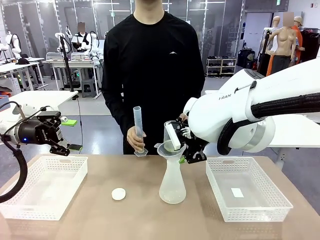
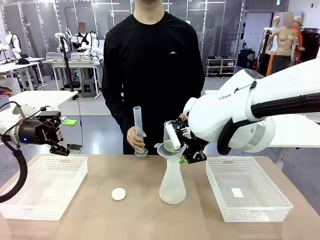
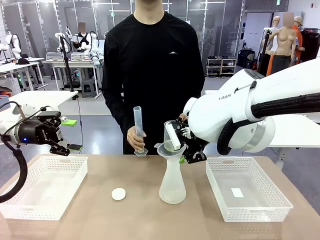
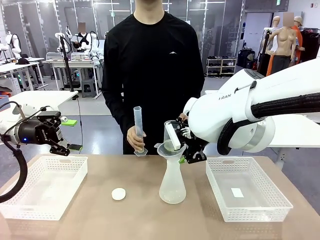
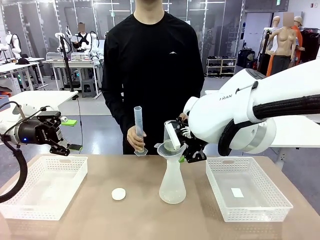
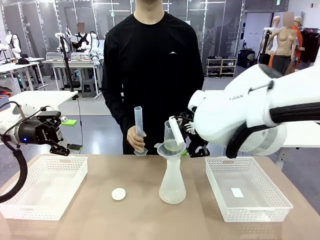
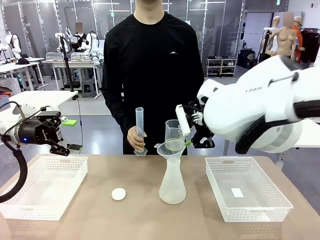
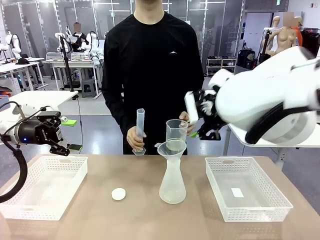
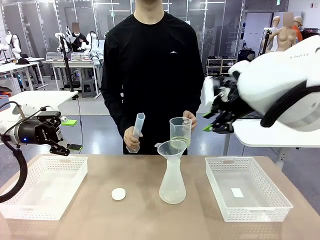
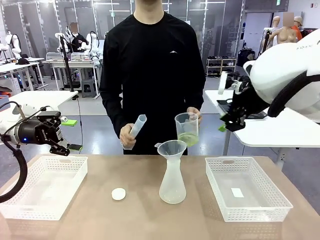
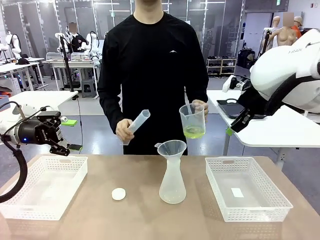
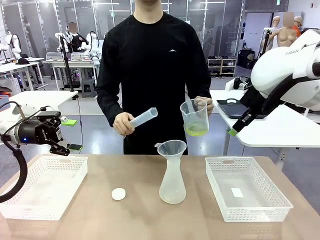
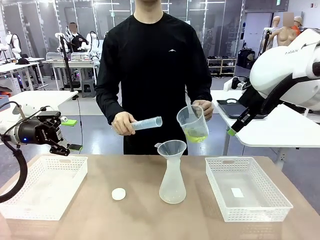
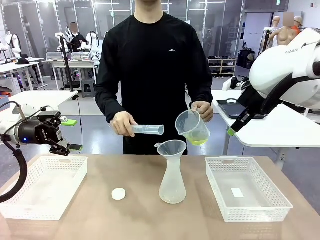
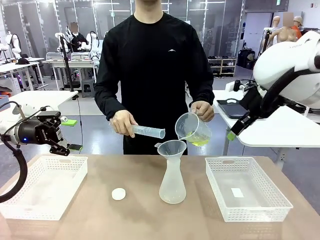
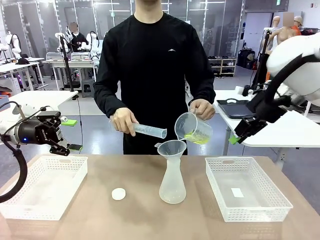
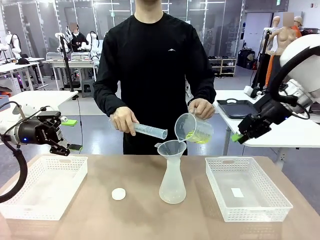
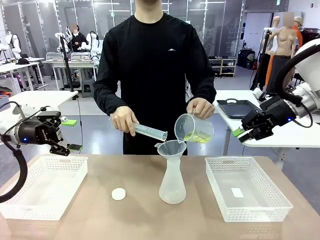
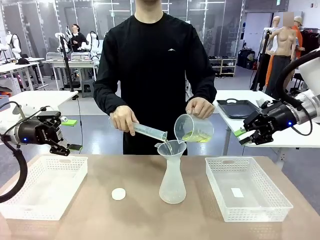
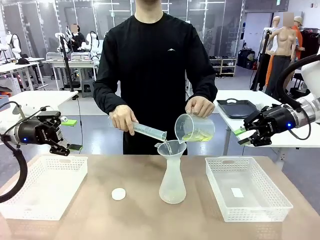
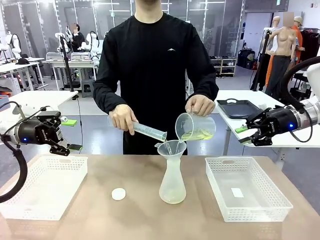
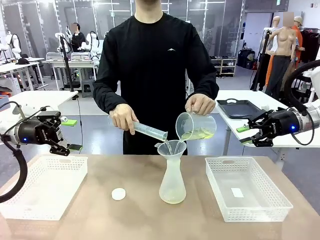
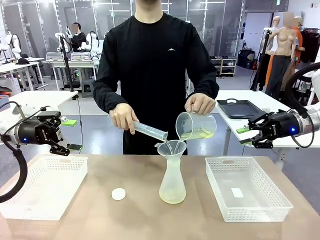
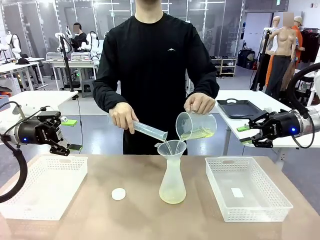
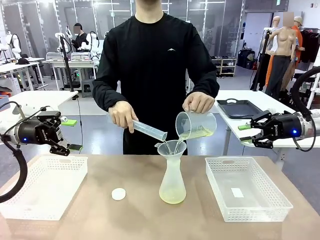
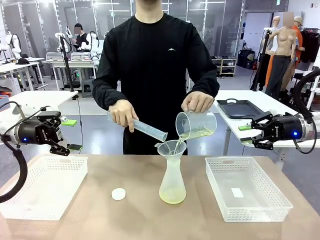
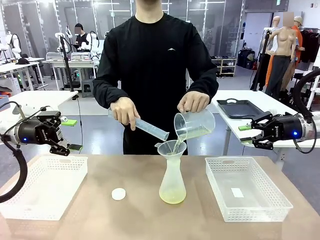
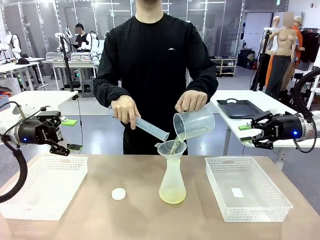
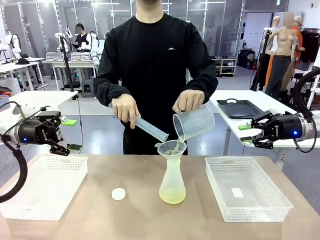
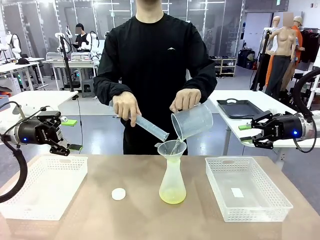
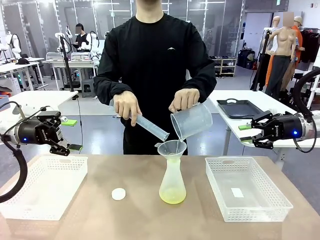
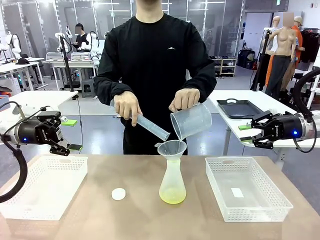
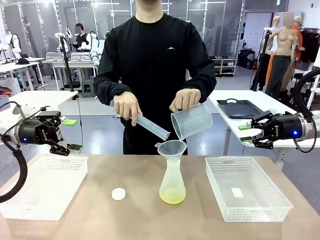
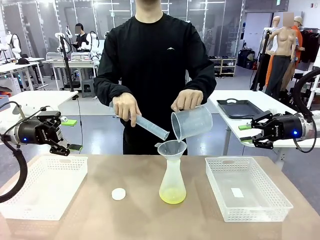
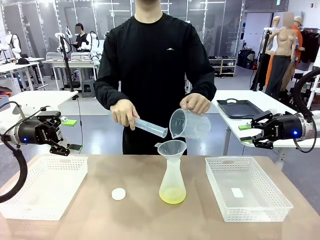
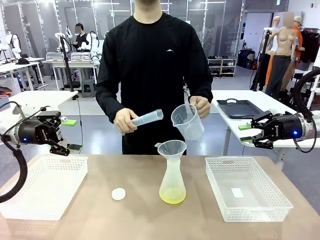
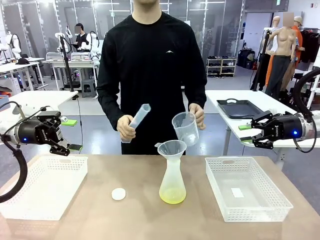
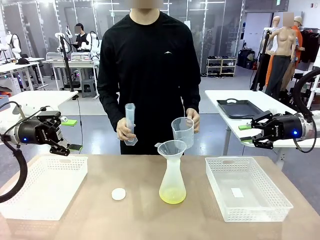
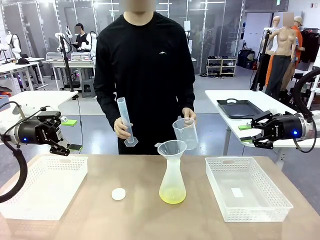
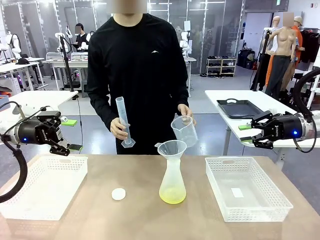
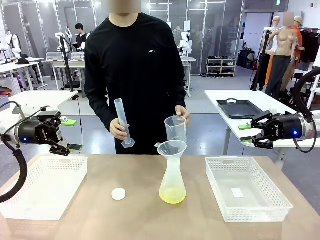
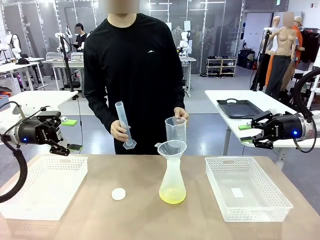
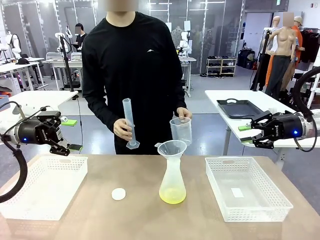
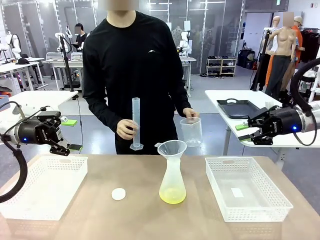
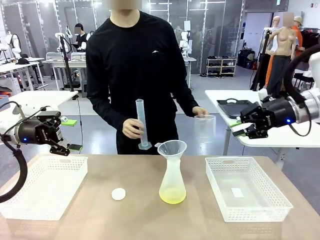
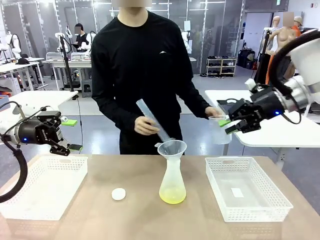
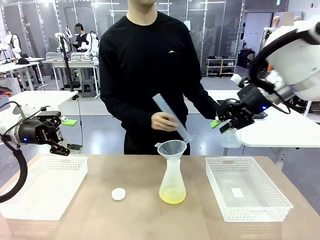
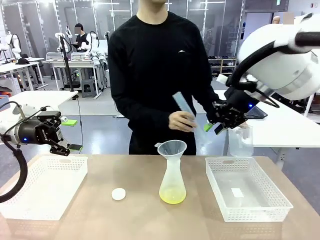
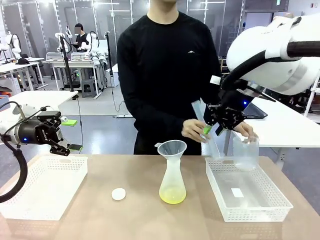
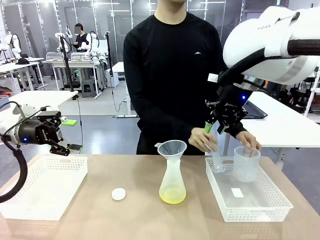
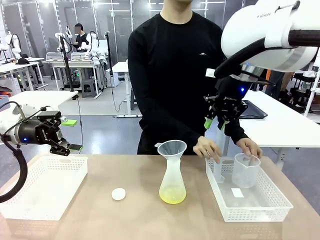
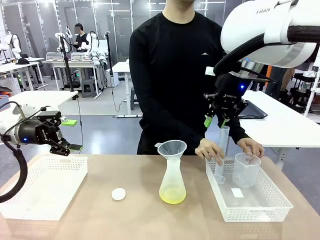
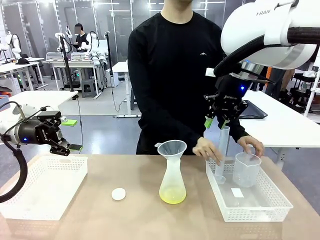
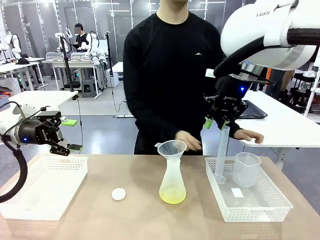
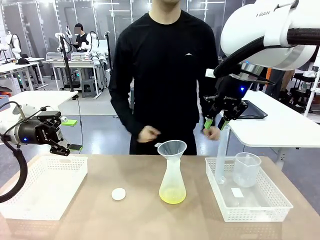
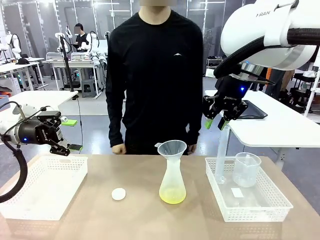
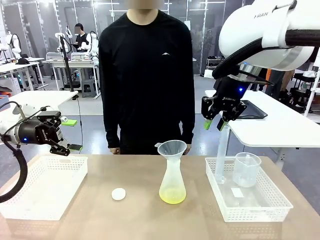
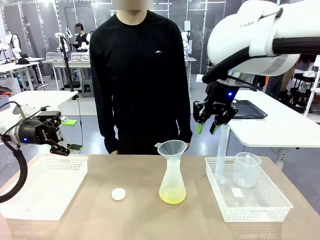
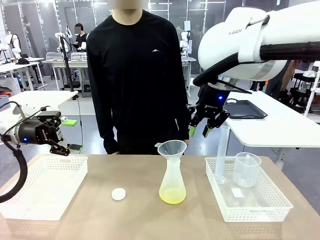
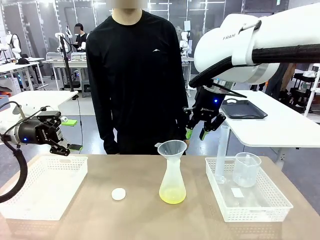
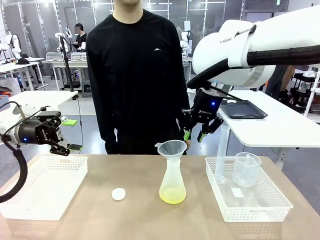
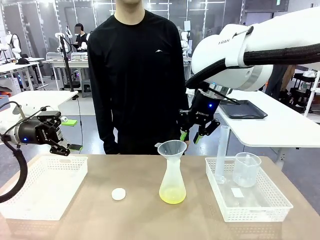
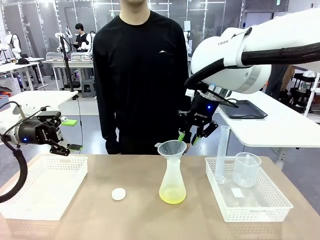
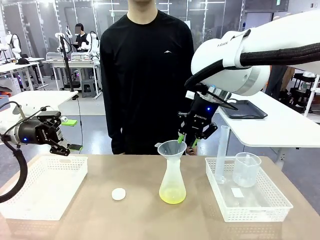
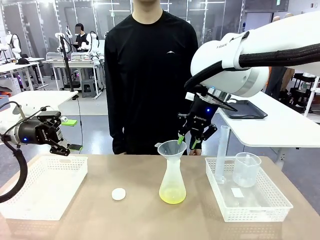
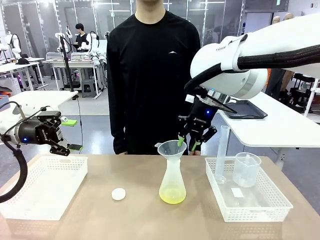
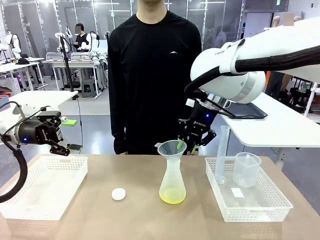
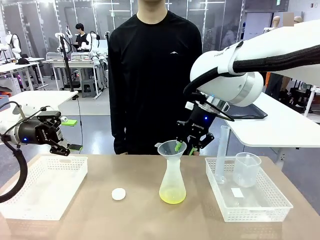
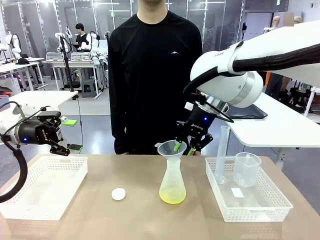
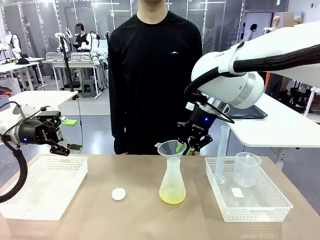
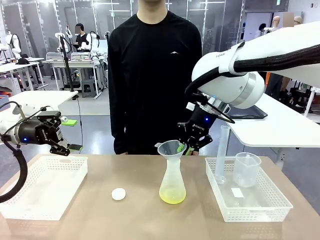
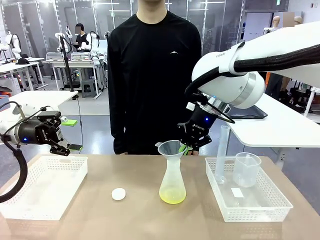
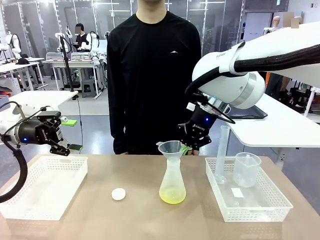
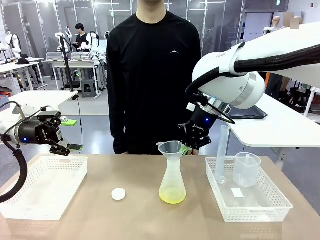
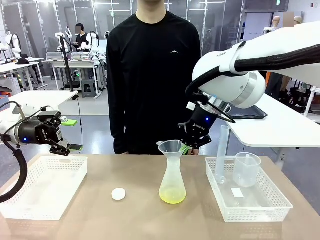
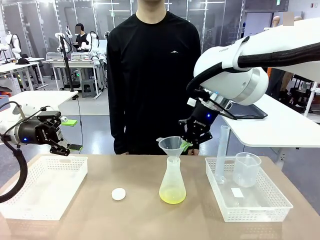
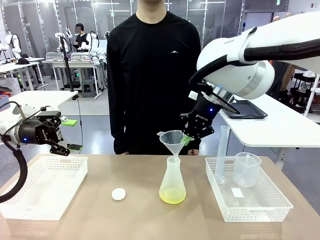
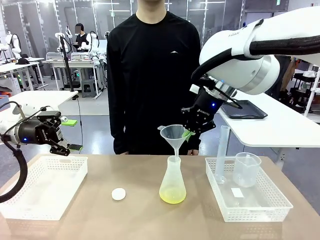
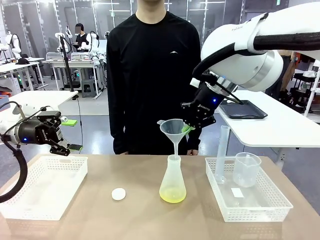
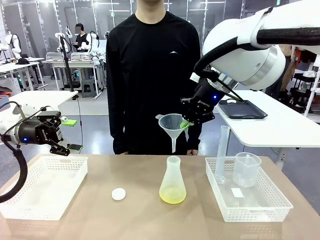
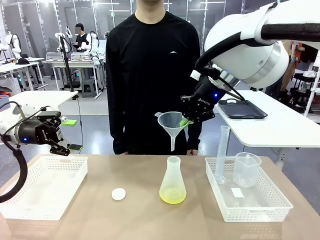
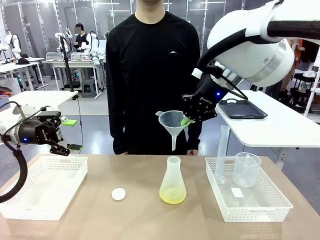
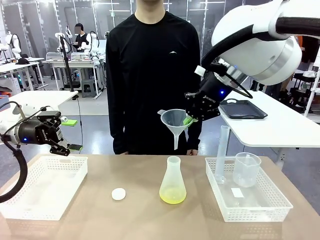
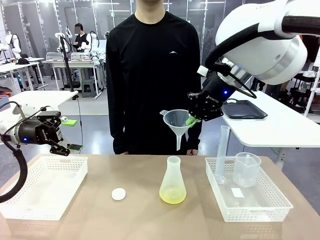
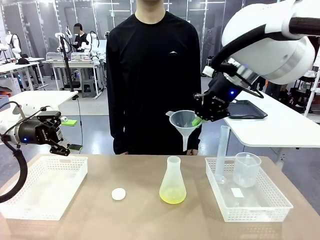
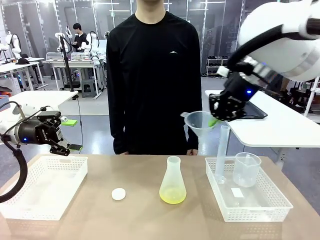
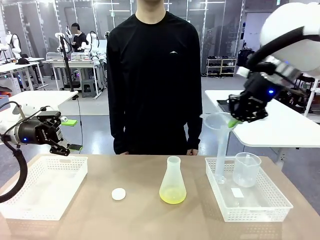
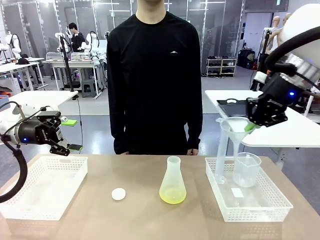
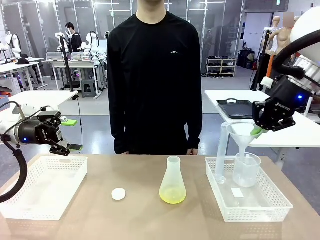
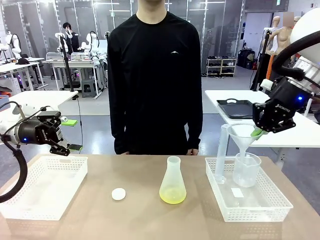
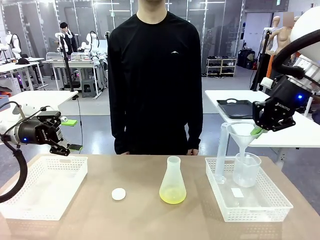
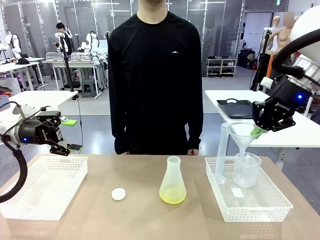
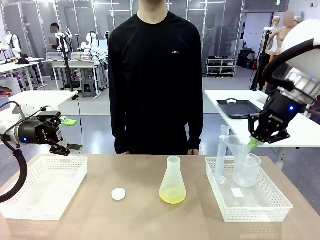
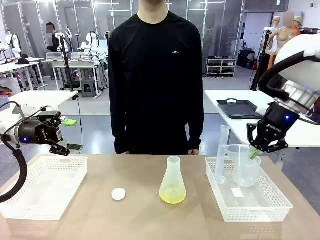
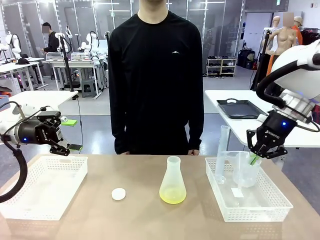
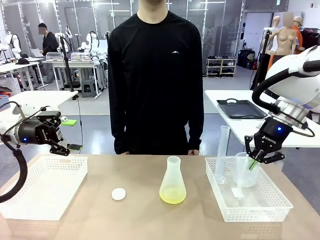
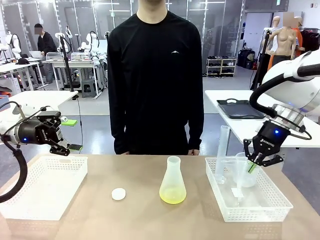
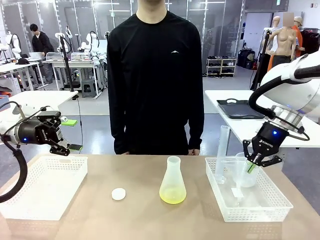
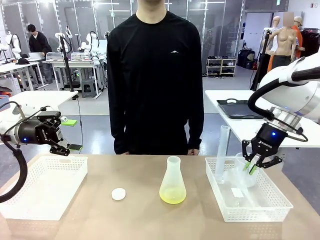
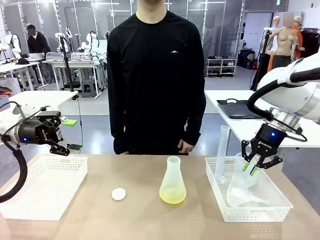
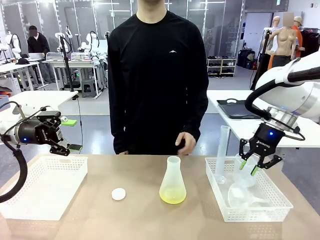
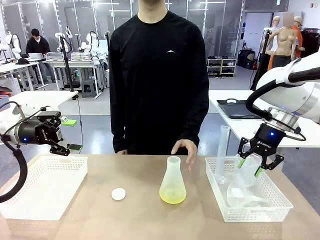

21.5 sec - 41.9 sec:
Task: Prepare the solutions needed for the experiment.
Robot: Once the solution is in the Big flask , pick up the Plastic Funnel and place it back into the right Organizing basket.
Person: Place the beaker and the cylinder into the organizing basket on the left side. Pick up the flask, gently shake it 2–3 times, place it in the middle of the robot table, and close the lid.
